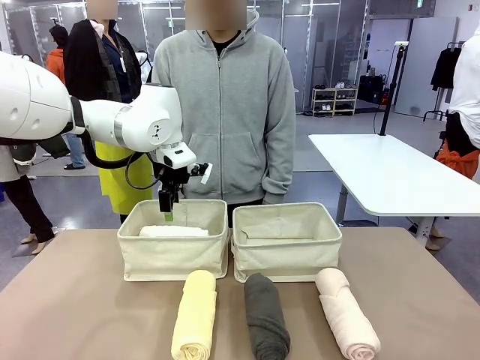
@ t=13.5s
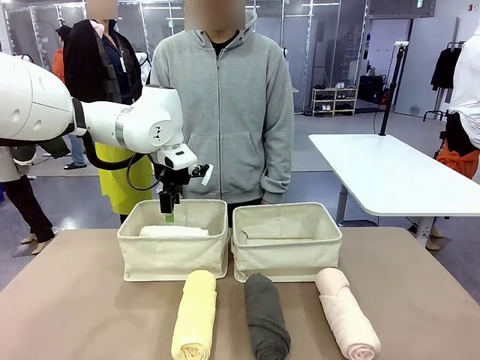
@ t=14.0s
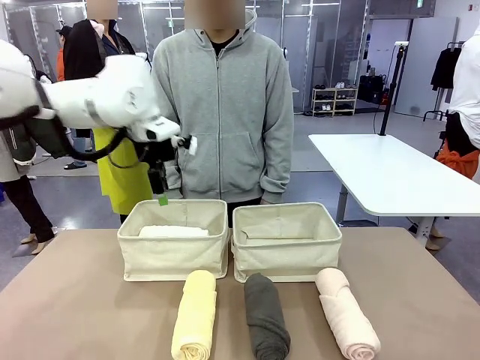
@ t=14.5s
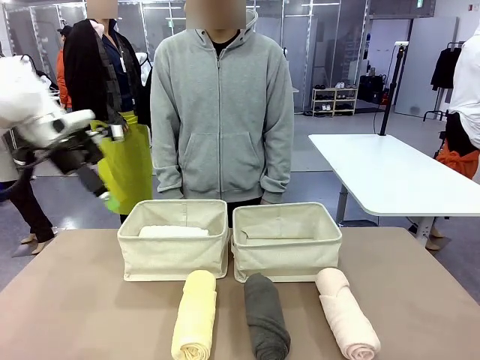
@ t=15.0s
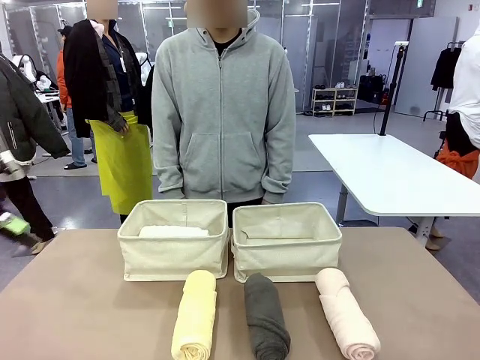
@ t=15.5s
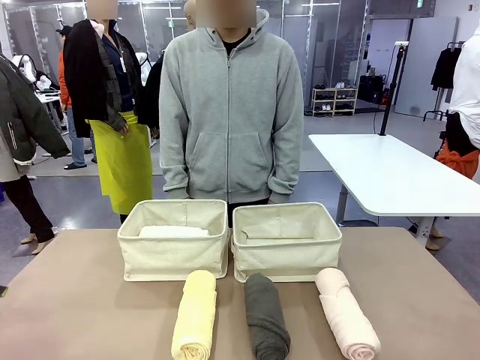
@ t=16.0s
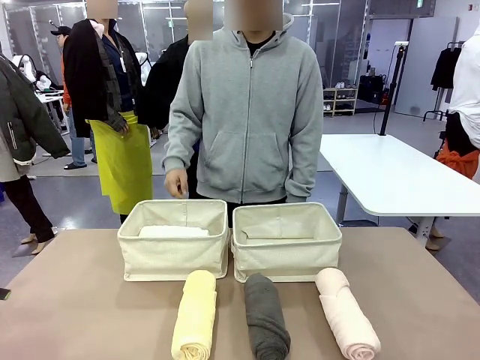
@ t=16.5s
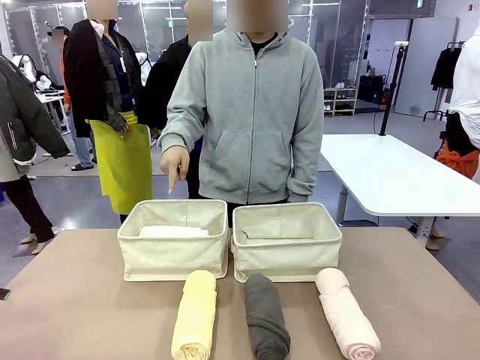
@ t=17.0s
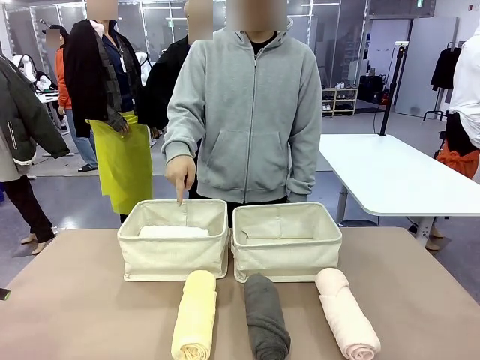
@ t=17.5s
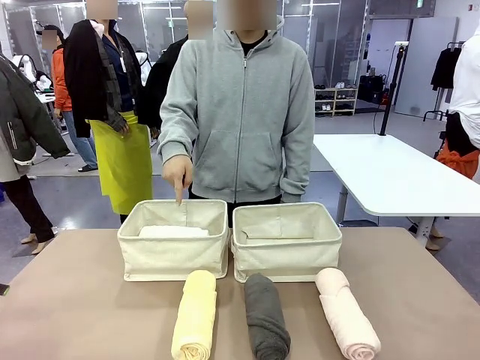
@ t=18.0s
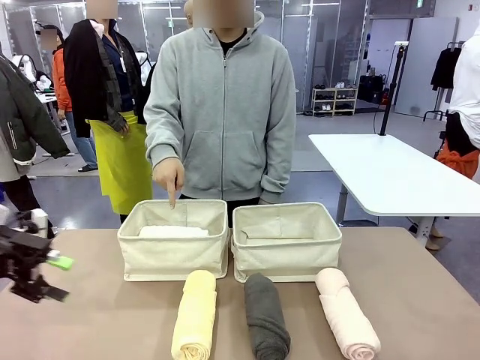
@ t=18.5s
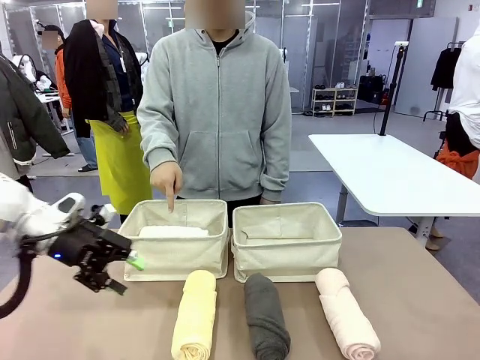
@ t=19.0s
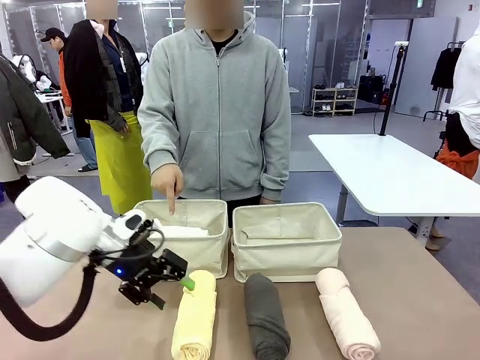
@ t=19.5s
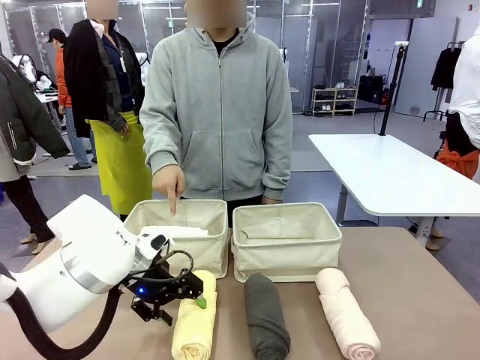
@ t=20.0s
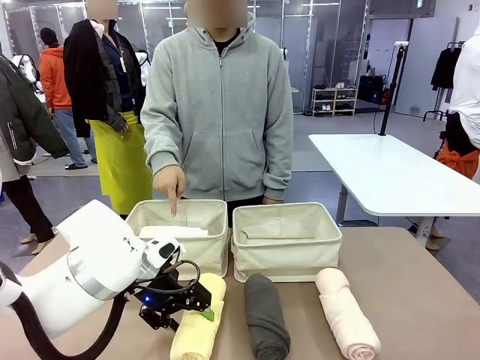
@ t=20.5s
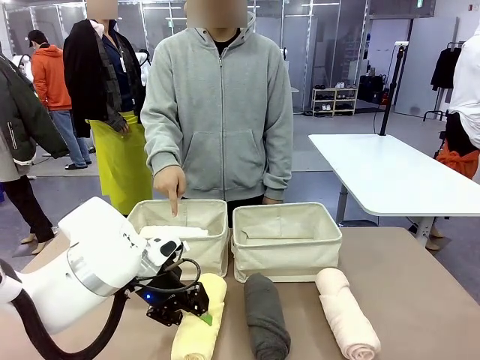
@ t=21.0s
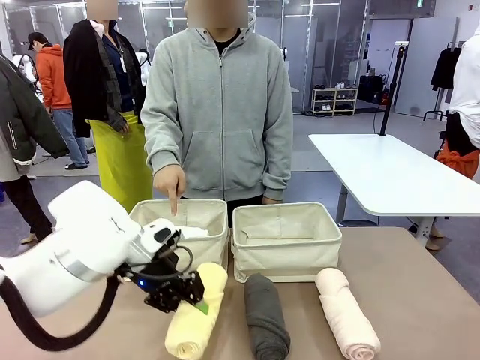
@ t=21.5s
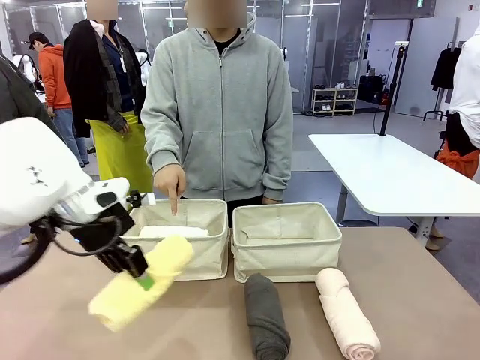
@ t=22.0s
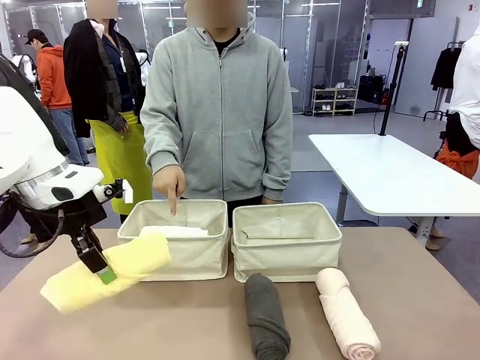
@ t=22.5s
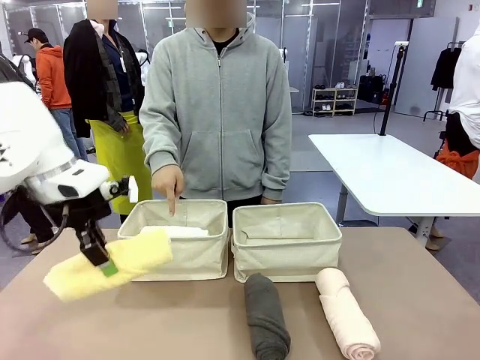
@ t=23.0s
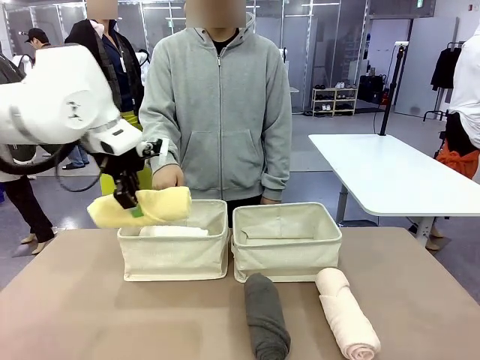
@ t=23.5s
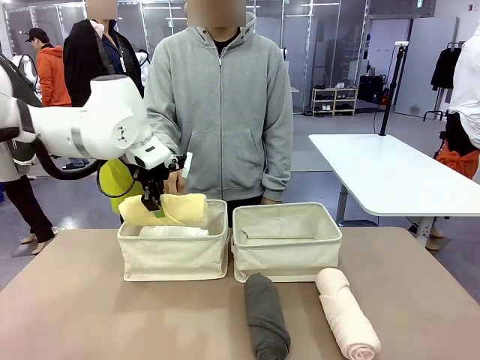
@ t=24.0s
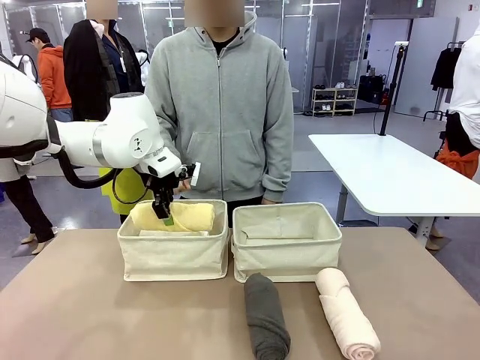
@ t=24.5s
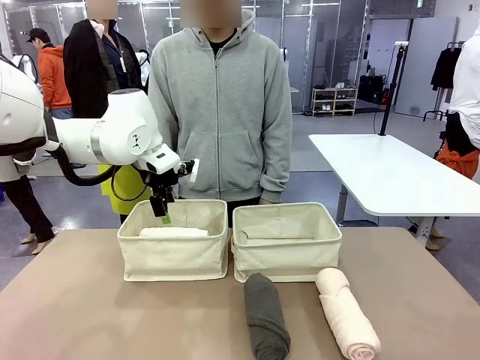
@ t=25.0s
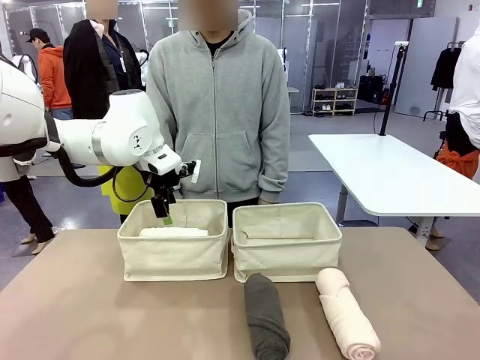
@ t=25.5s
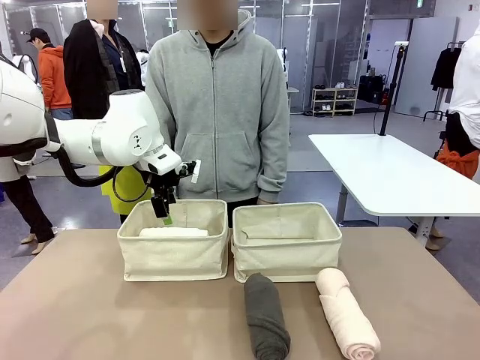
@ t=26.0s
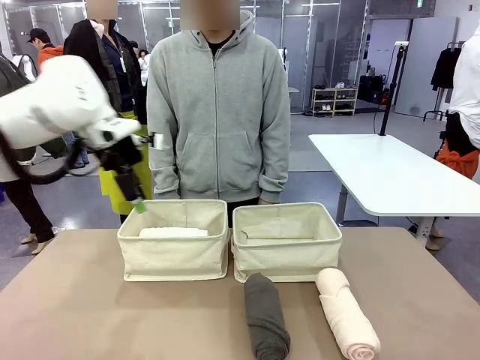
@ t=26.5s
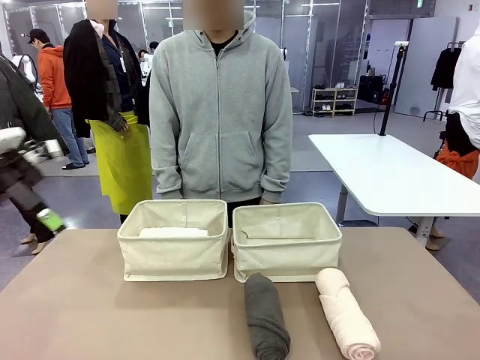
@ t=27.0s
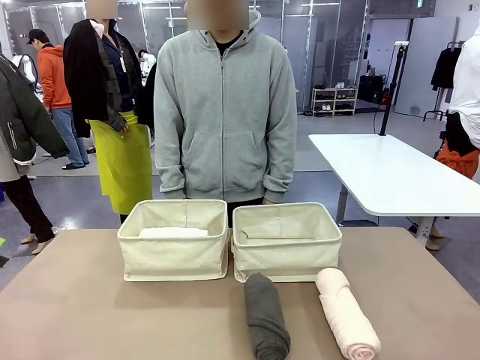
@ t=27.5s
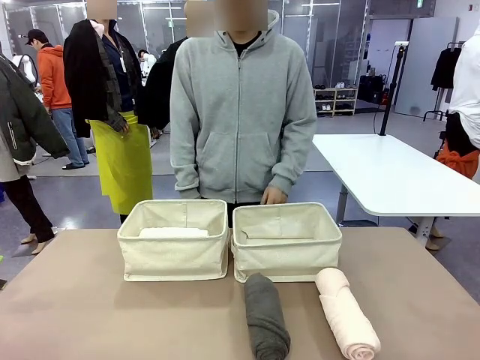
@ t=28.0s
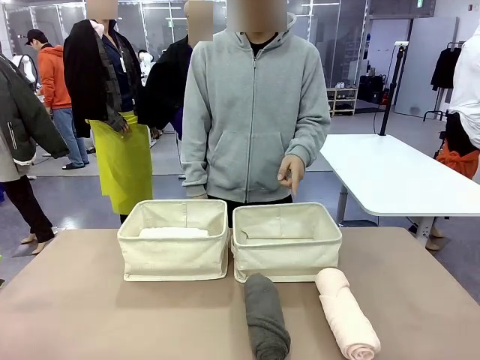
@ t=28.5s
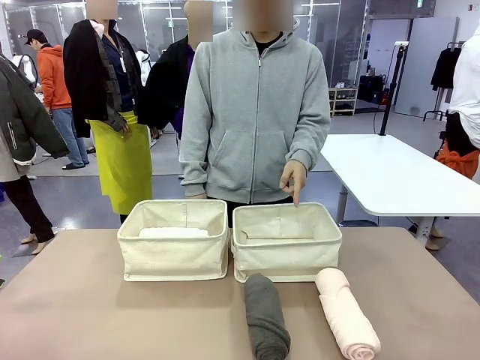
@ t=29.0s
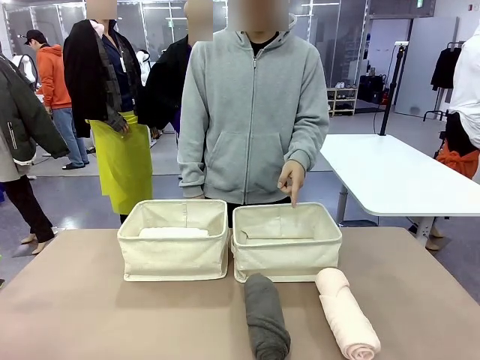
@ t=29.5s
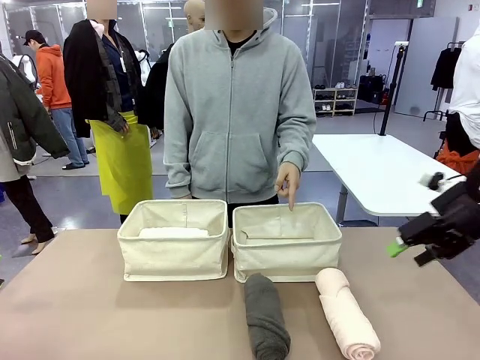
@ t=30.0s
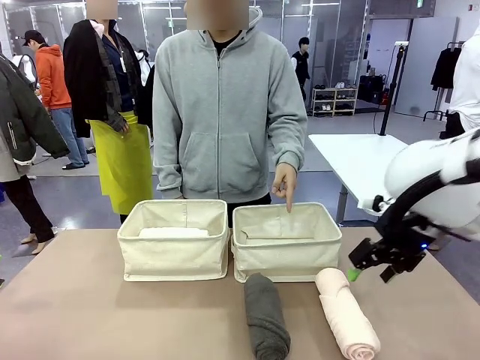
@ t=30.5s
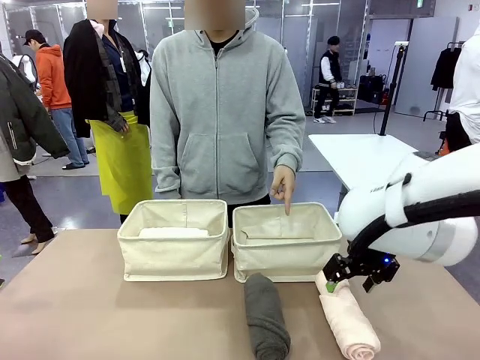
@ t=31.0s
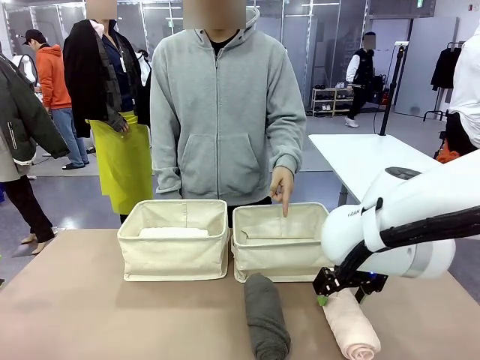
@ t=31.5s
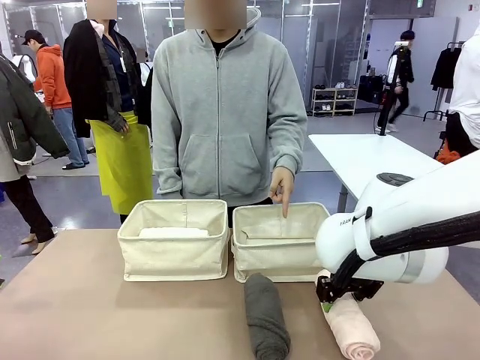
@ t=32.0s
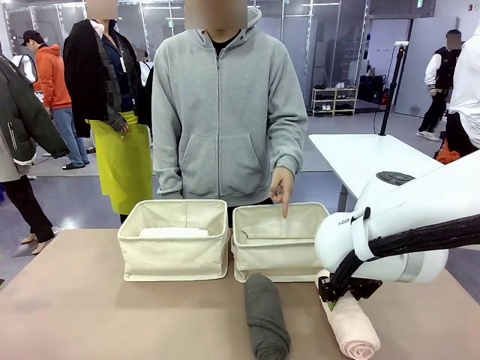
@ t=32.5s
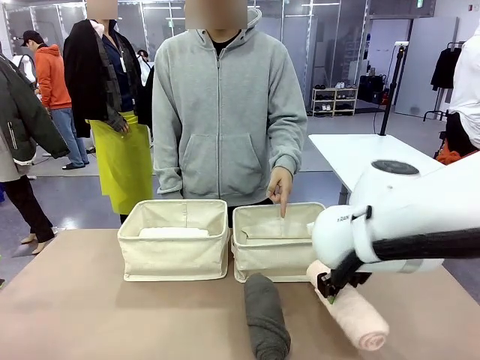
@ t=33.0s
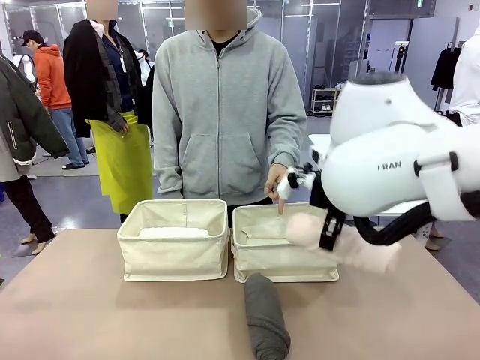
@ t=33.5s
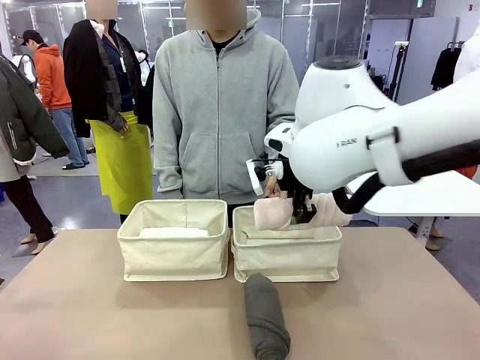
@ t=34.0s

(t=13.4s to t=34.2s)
Task: Divide the towels into two baskets.
Robot: Pick up one hotel-folded towel from the bottom of the table and place it in the Fabric basket indicated by the person.
